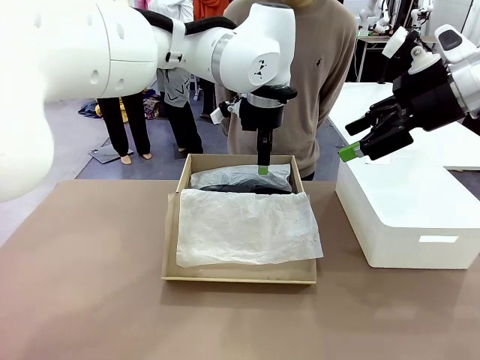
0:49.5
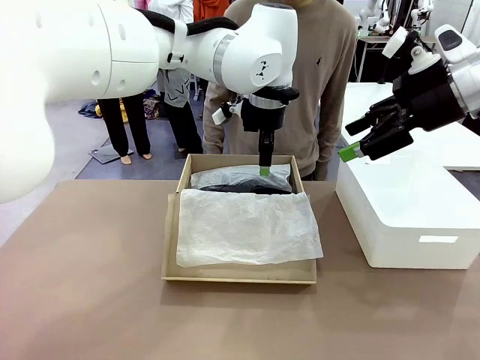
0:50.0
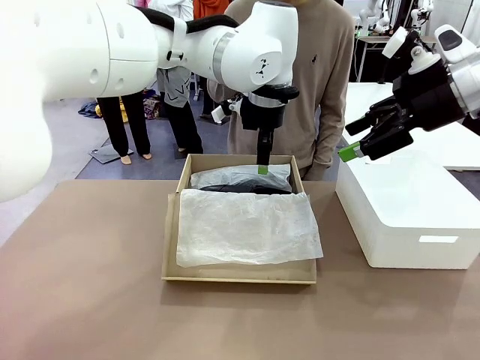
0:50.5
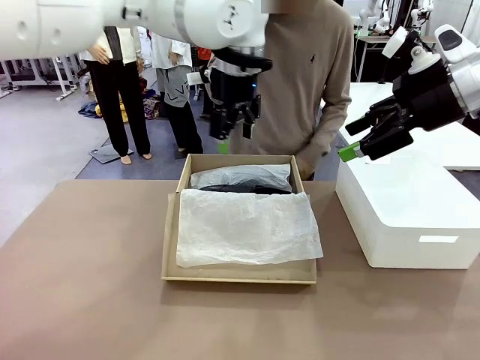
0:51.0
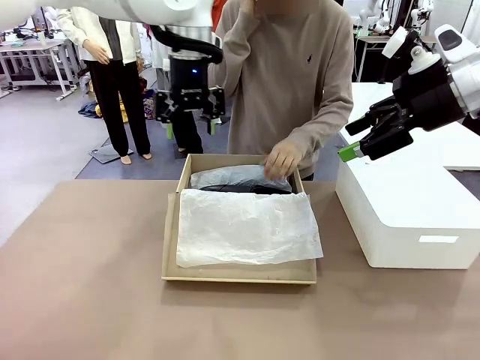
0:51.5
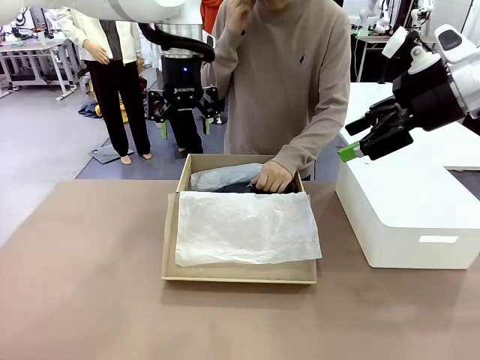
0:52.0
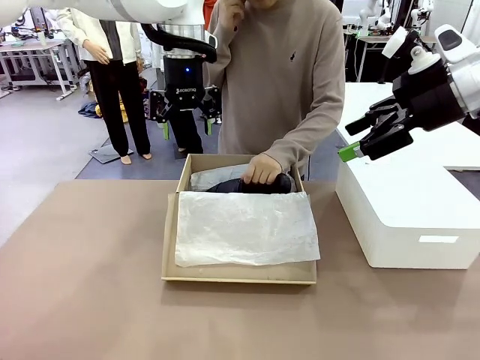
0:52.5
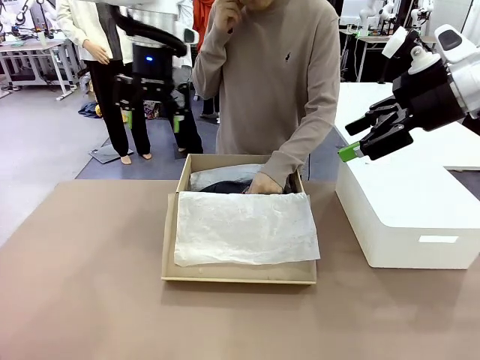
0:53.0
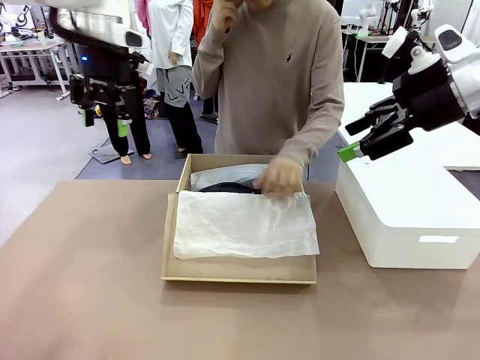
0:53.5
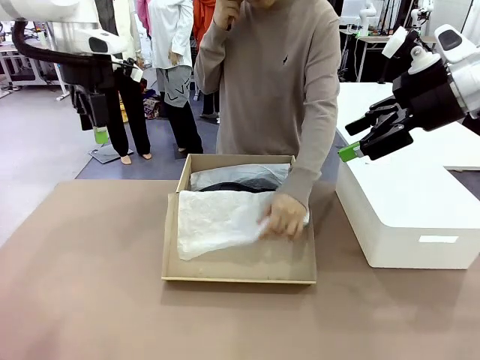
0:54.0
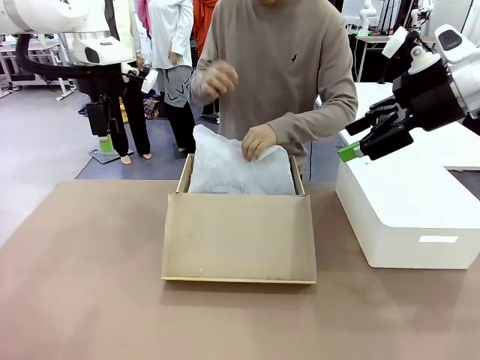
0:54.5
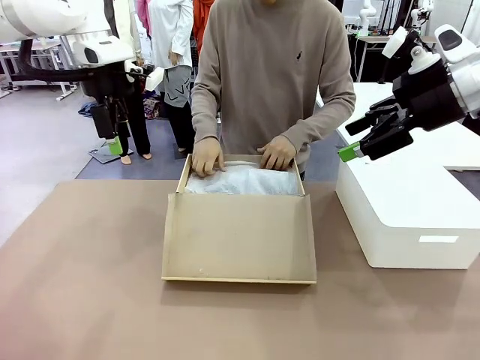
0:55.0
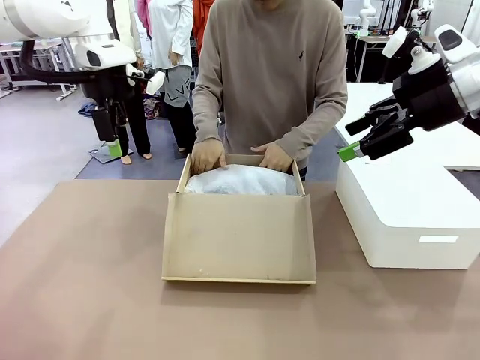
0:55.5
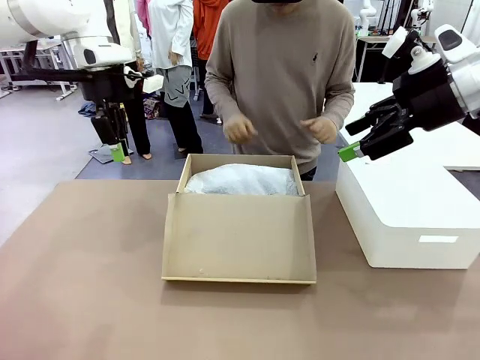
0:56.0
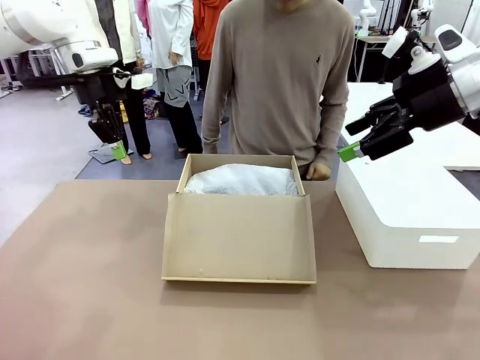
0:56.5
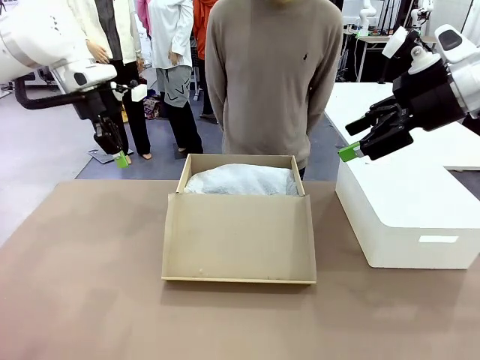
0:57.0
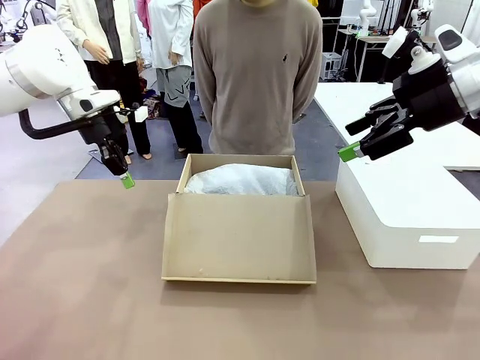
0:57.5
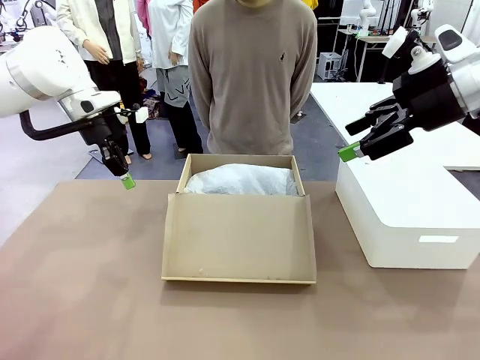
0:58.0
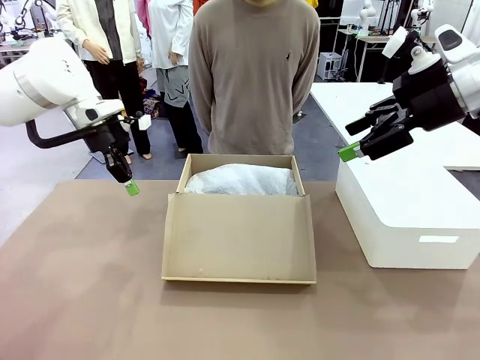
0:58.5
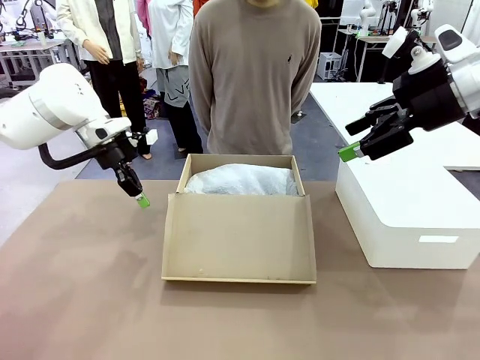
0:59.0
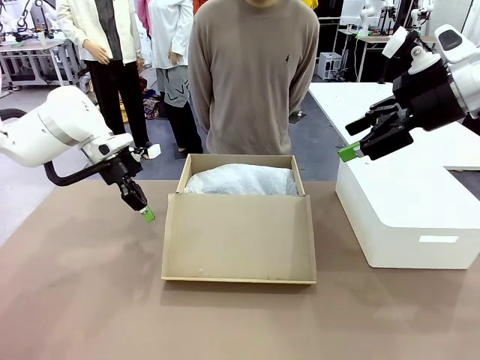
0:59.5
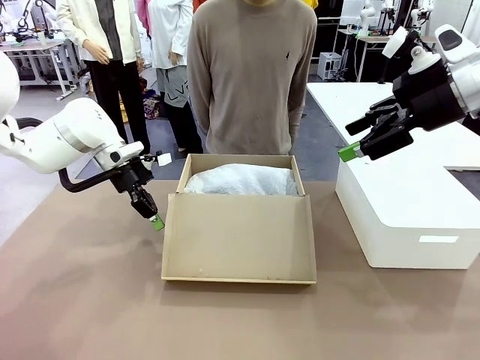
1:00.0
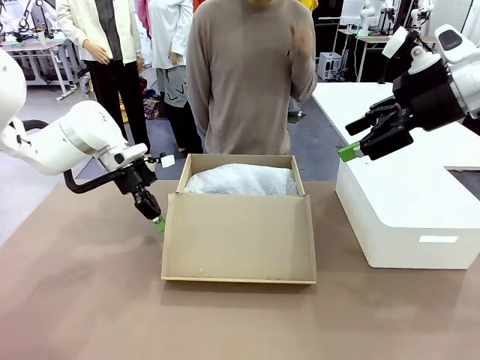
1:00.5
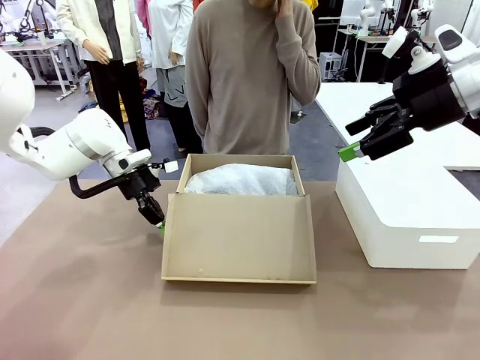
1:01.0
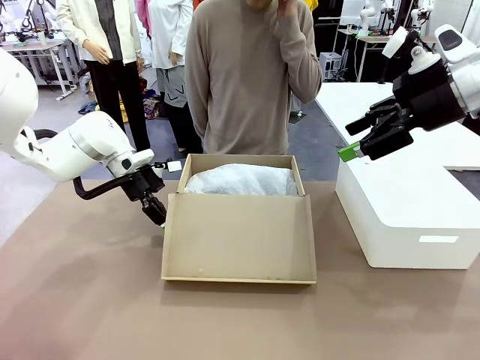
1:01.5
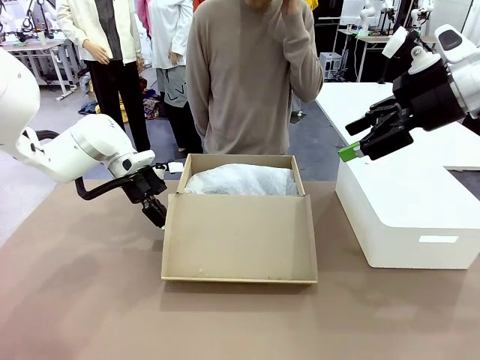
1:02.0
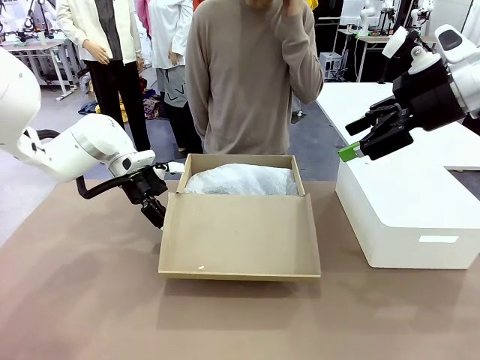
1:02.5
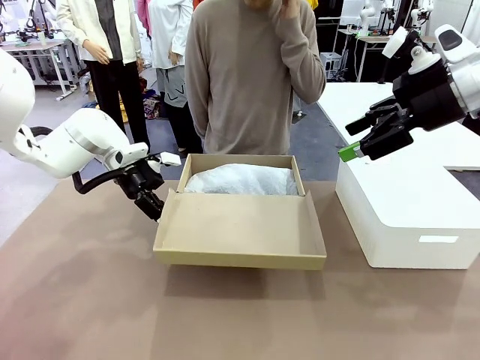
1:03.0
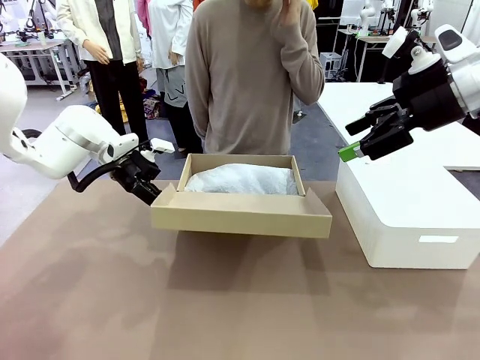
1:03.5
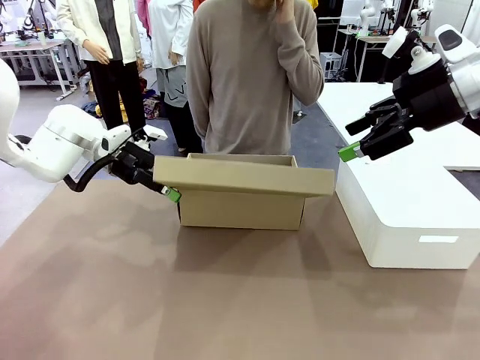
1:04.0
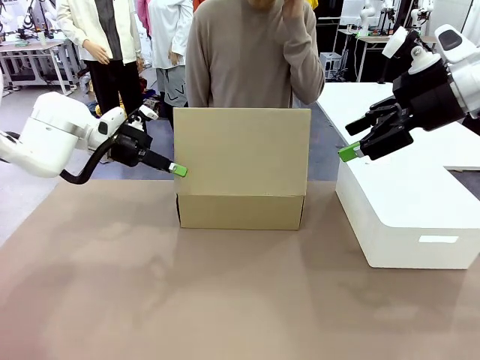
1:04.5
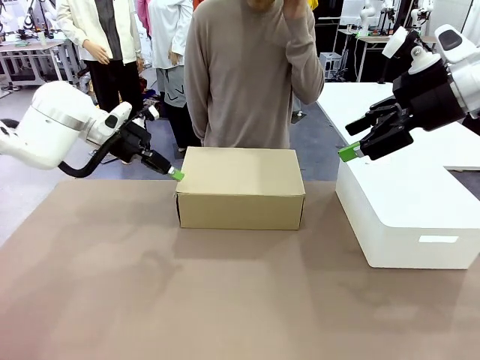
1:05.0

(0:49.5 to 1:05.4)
Task: Pack the shoes into the box.
Robot: Close the Shoes Box.

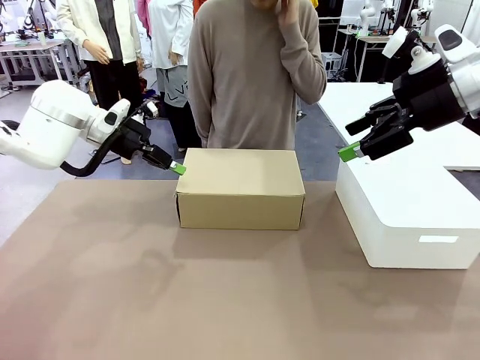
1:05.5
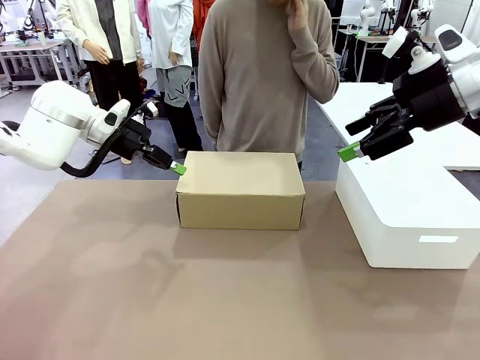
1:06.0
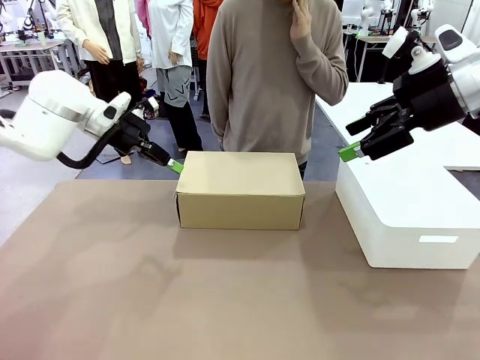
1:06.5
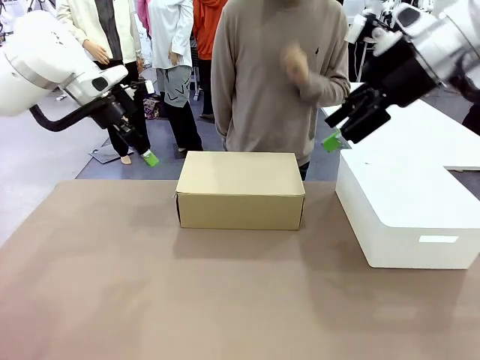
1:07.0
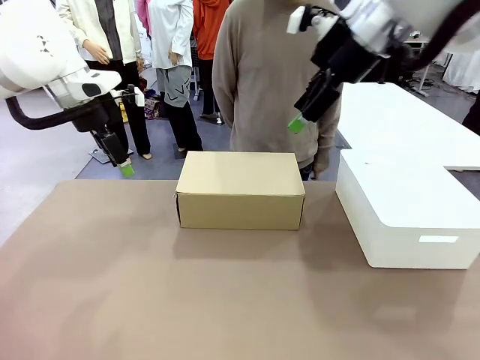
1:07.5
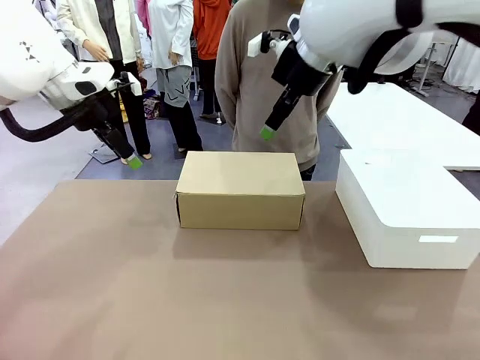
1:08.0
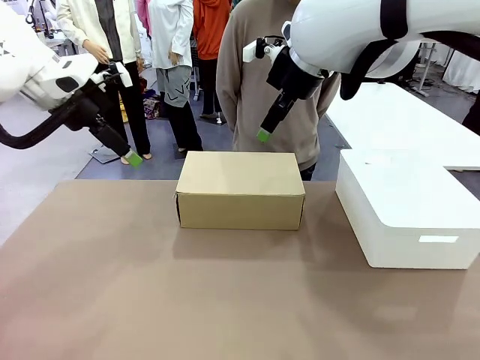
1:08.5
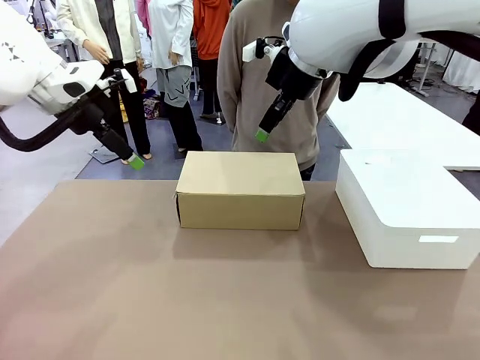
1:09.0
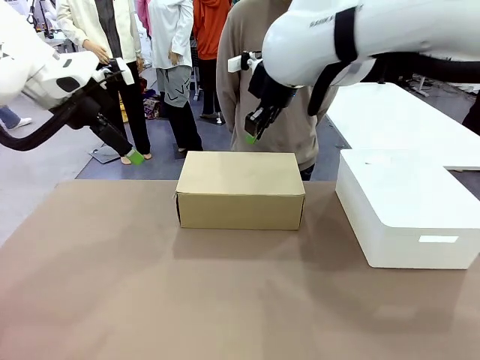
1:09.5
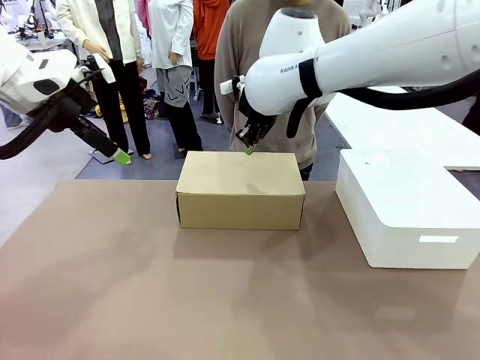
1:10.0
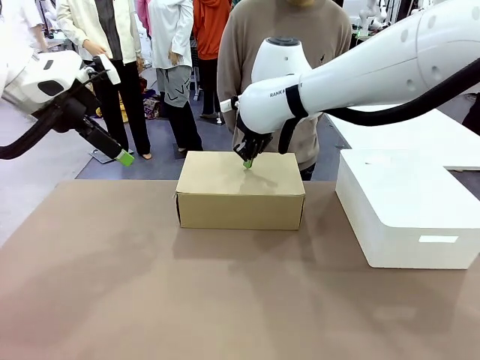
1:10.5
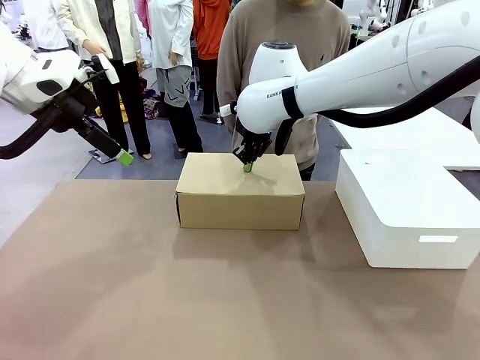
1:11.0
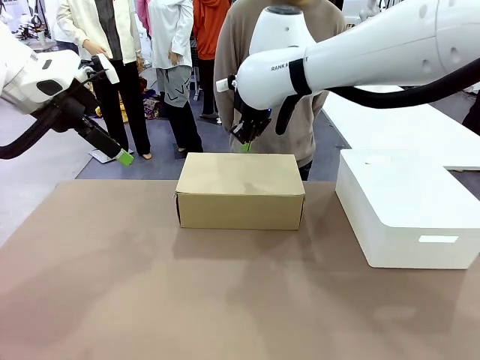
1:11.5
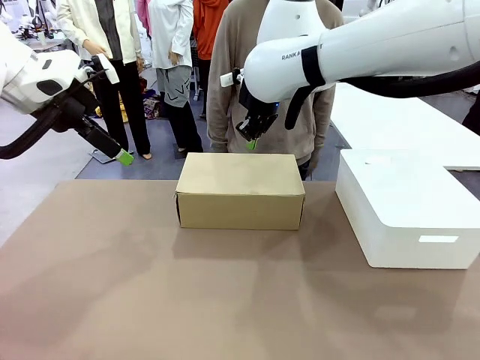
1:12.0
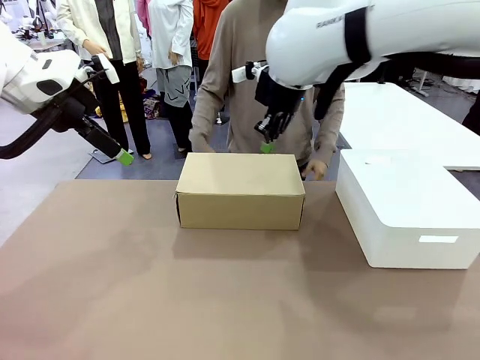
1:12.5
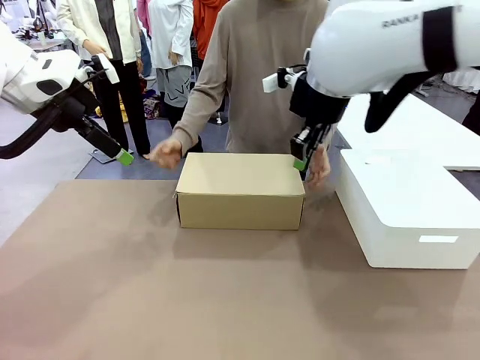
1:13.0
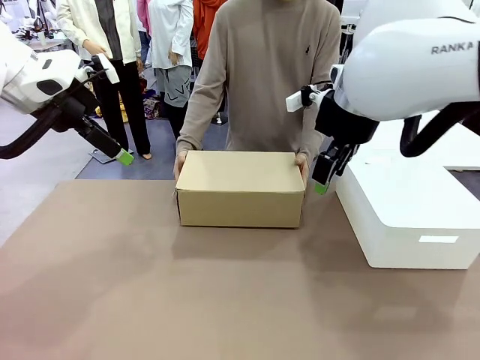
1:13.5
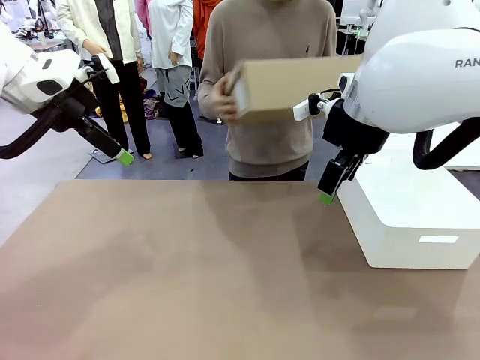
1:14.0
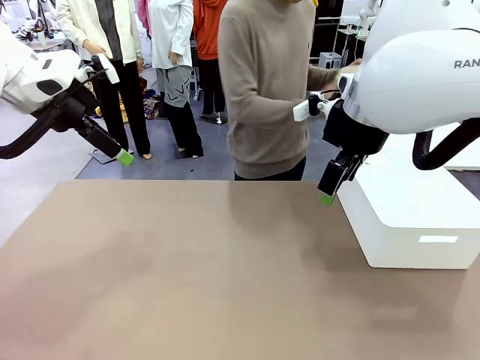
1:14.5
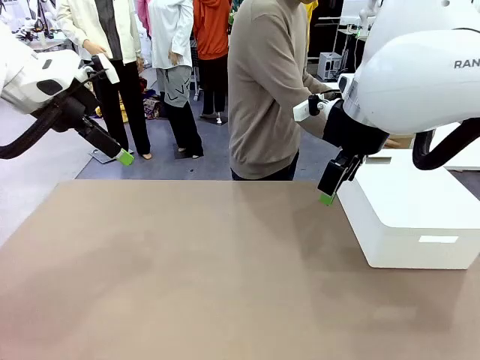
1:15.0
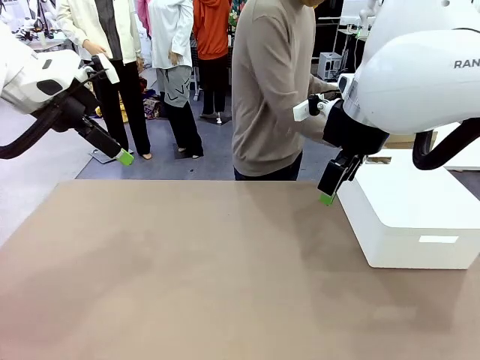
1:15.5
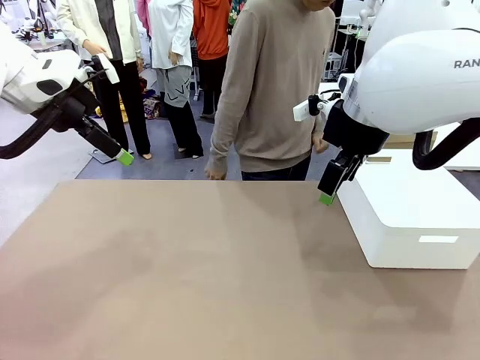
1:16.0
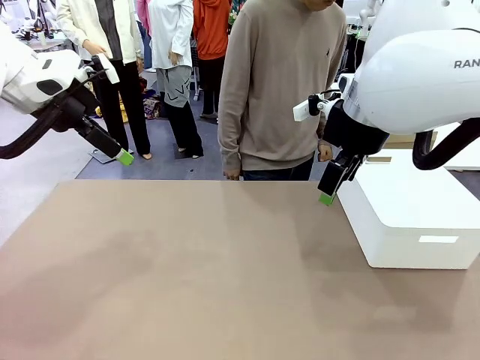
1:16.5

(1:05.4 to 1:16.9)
Robot: Press down on the lid of the Shoes Box.
Person: Place the closed Shoes Box to the right side of the human table.
